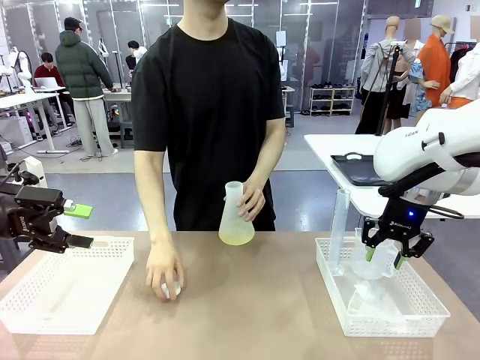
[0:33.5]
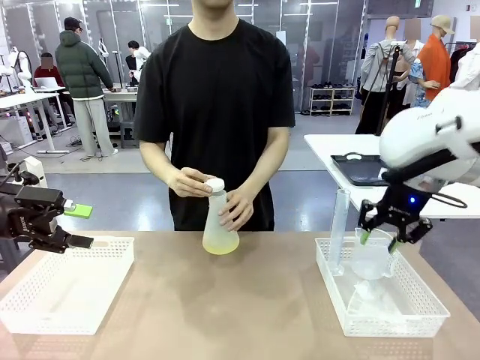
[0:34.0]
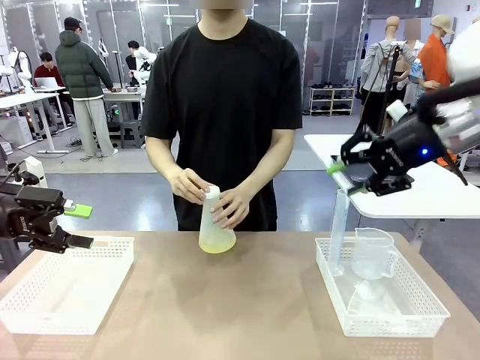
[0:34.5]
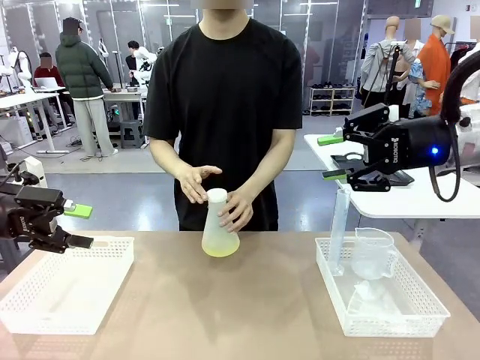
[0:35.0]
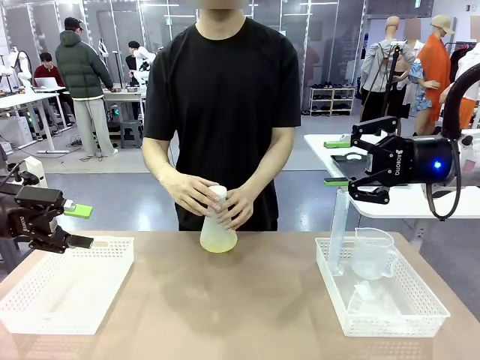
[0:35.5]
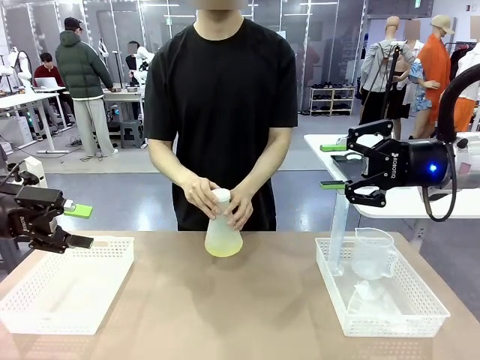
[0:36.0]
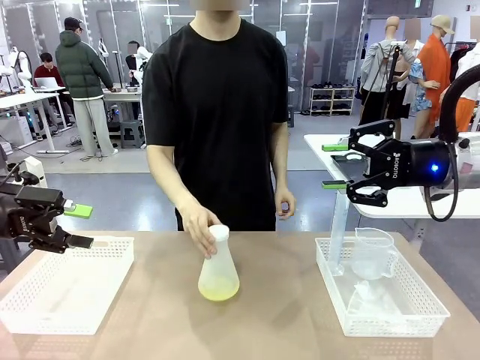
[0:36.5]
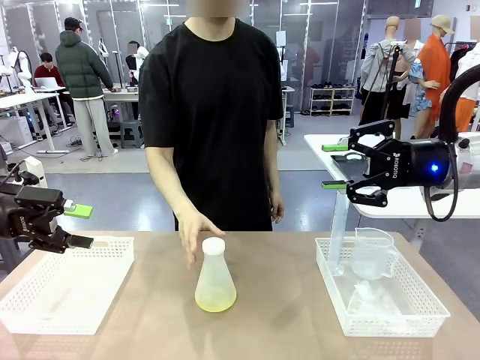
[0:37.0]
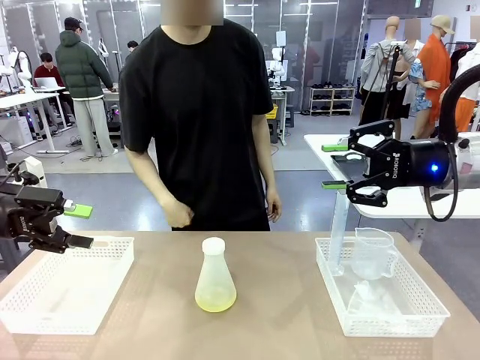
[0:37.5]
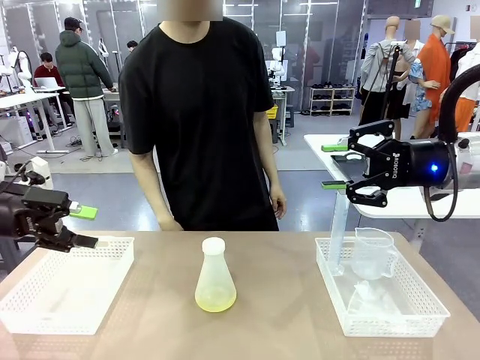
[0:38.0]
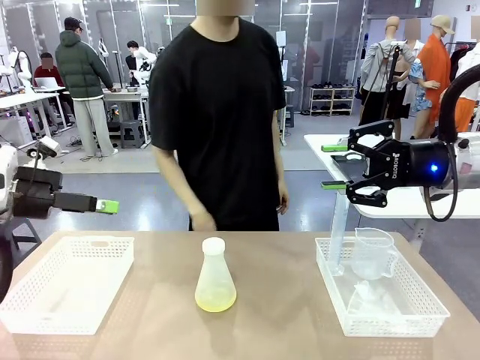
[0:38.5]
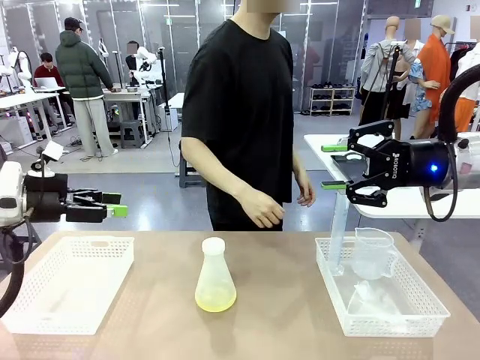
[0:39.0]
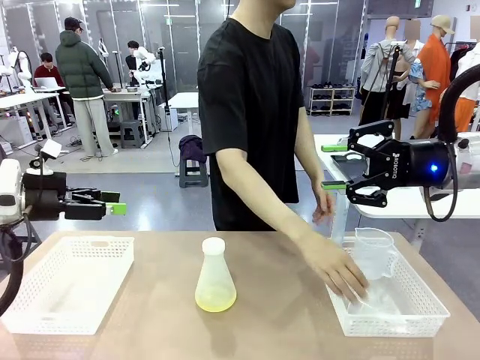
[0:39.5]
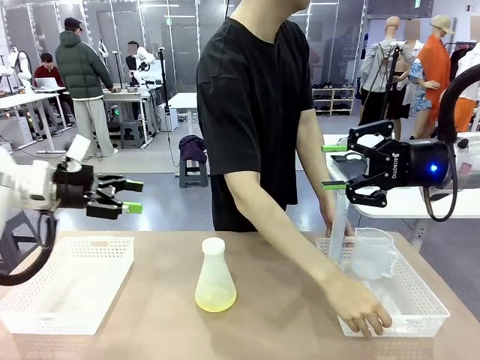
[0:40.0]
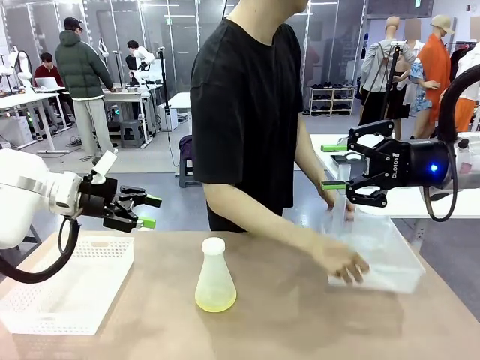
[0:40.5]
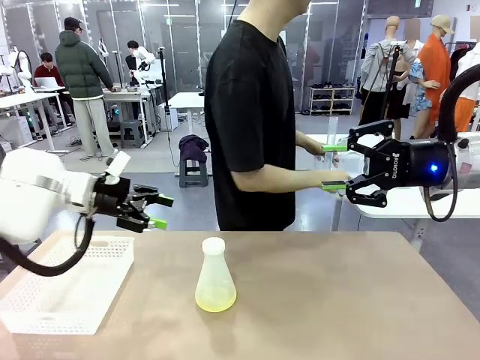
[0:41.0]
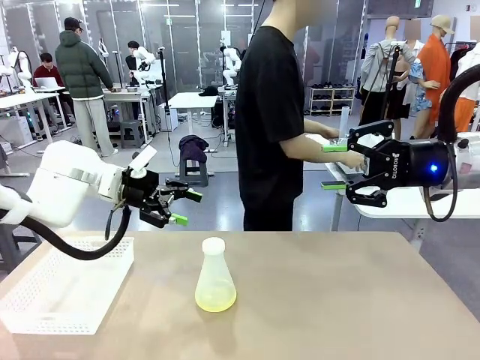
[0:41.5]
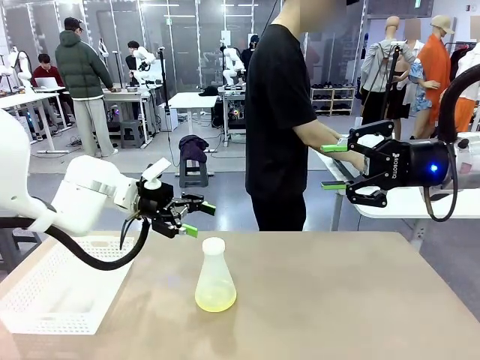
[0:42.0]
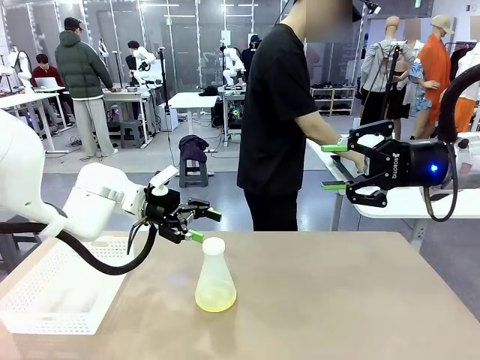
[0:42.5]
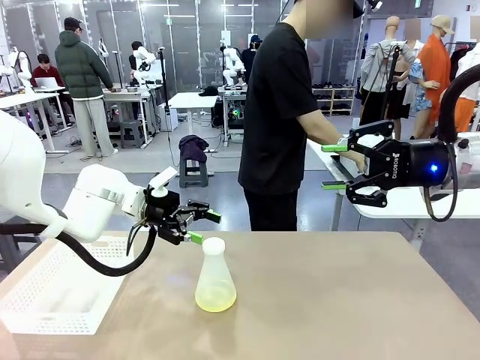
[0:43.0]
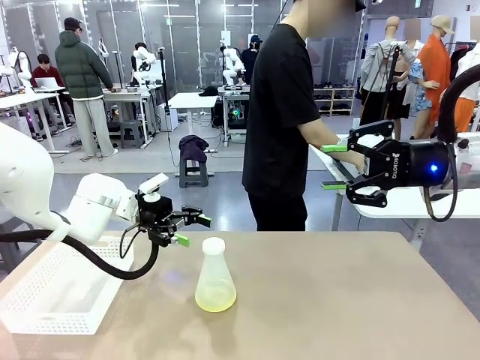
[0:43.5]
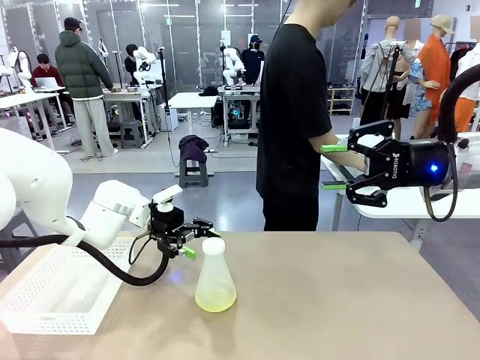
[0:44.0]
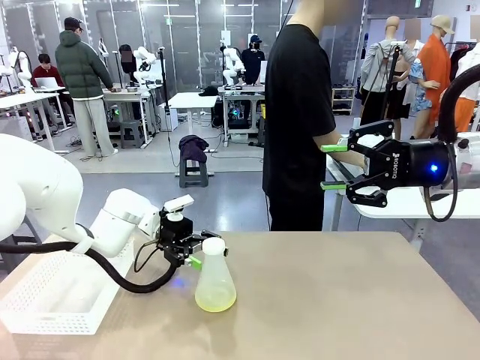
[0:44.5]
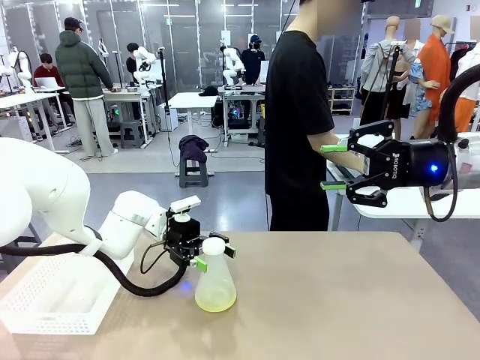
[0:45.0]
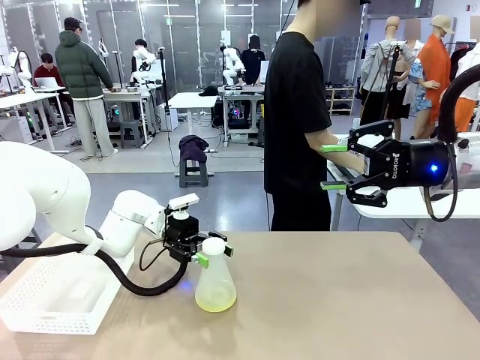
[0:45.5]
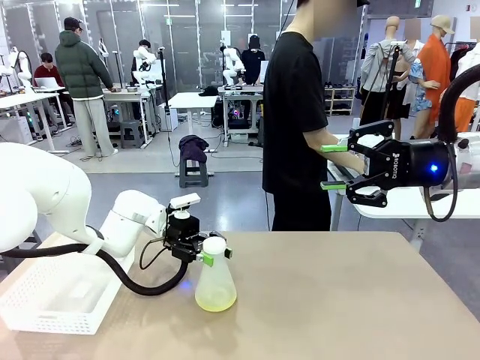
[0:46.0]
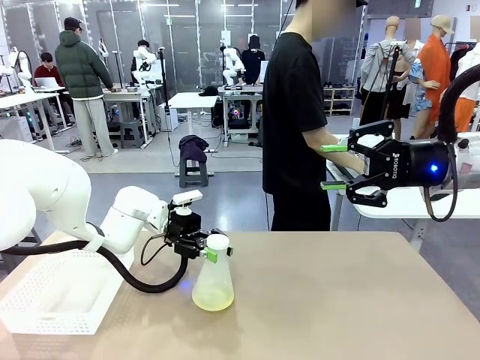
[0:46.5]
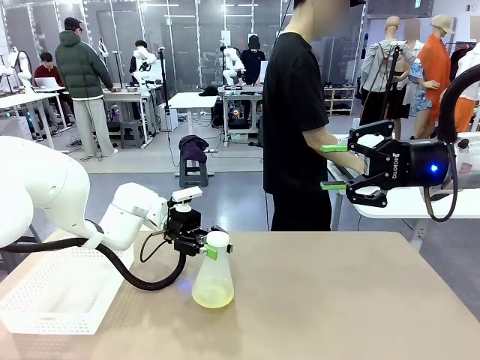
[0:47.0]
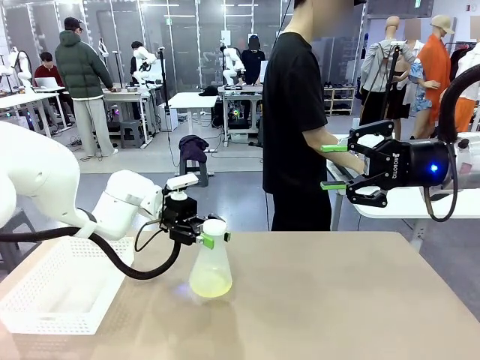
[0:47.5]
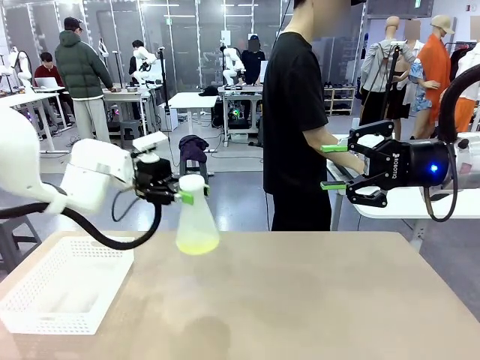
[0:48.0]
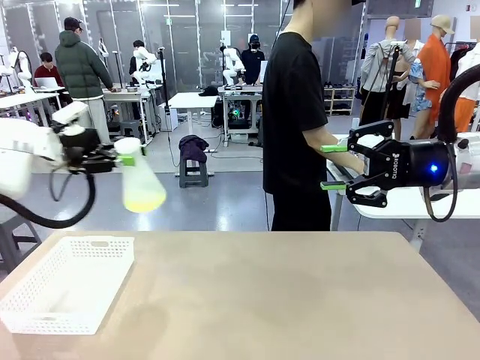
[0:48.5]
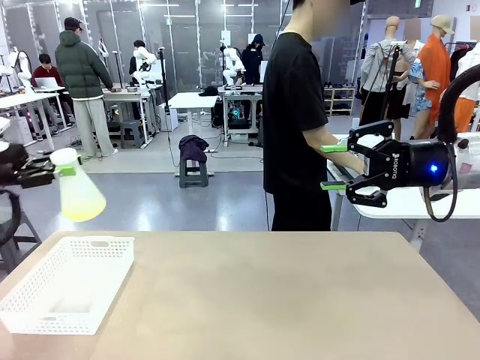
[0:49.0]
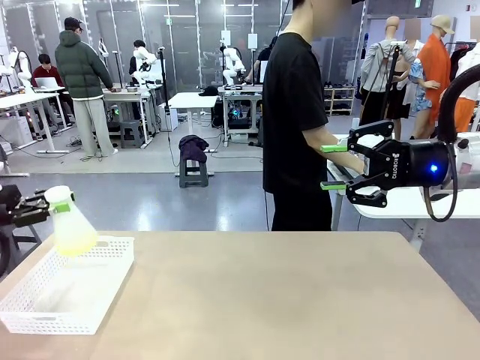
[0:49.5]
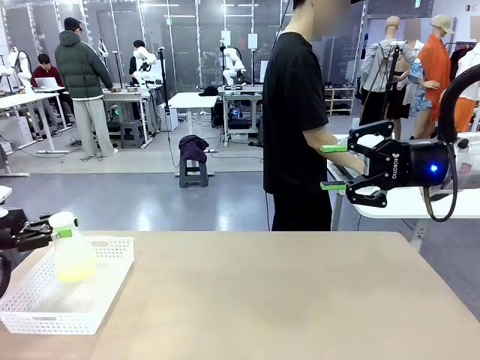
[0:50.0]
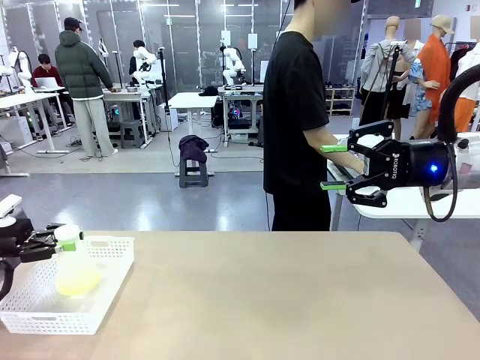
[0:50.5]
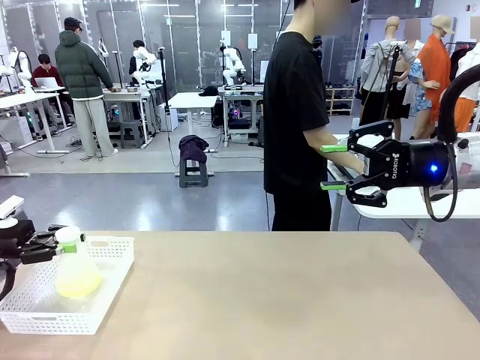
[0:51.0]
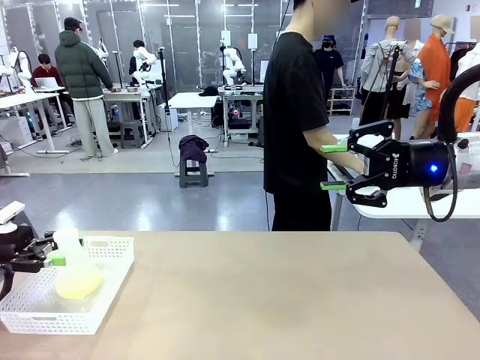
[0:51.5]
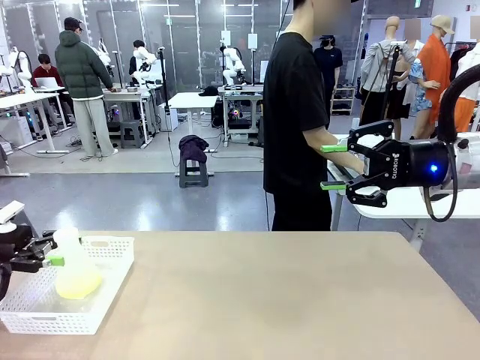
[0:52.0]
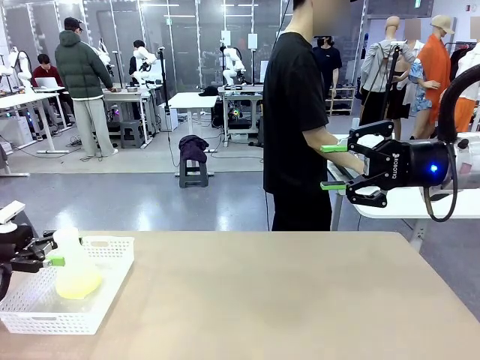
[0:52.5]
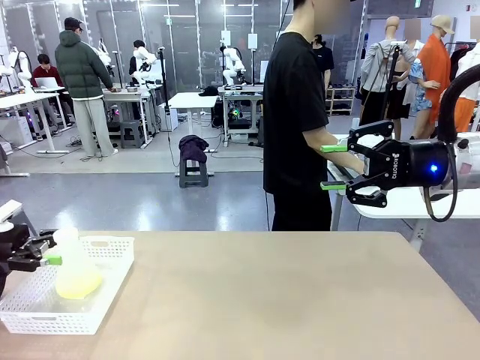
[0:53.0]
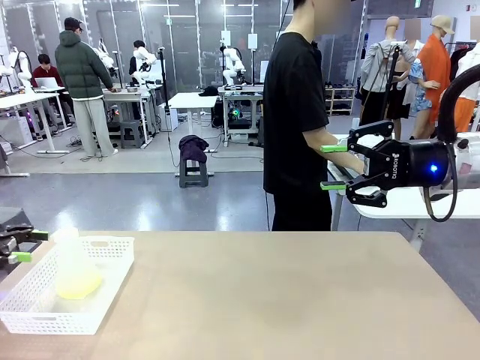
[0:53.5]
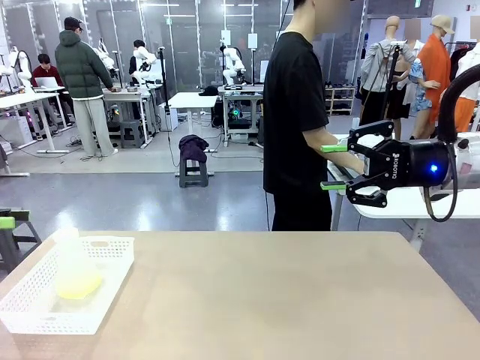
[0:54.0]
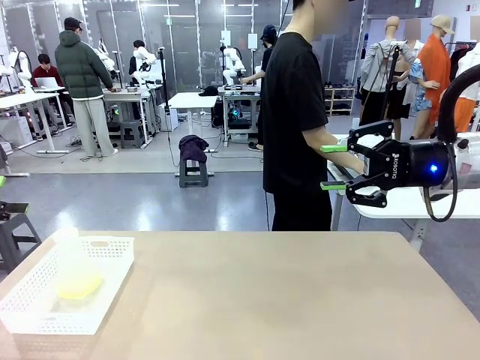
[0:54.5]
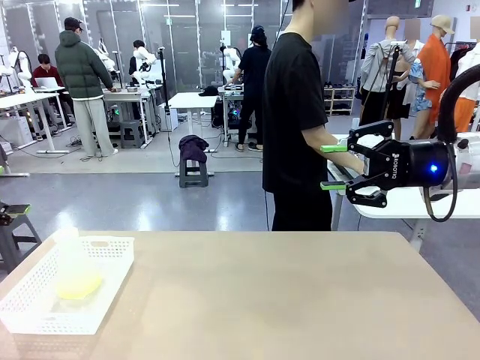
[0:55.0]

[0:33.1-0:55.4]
Task: Prepare the solutions needed for the experiment.
Robot: When the human places the Big flask in the center of the table, pick up the Big flask and place it in the left Organizing basket.
Person: Pick up the organizing basket on the left side of the robot table and place it on the left side of the human table.
